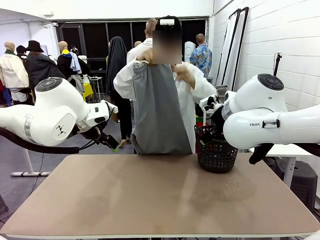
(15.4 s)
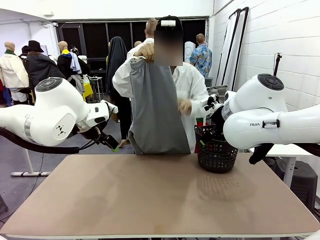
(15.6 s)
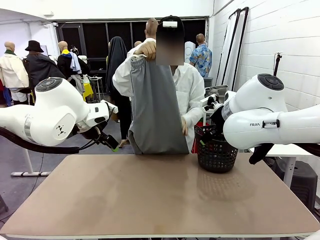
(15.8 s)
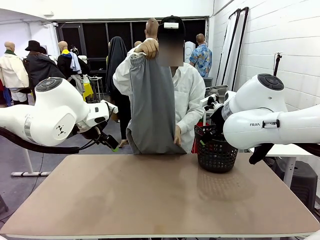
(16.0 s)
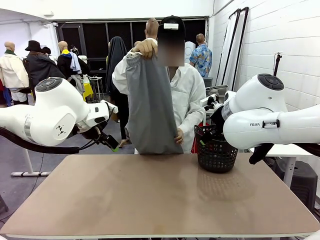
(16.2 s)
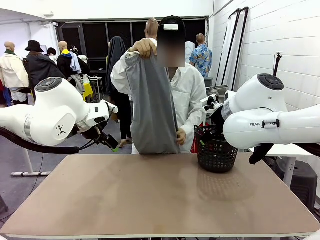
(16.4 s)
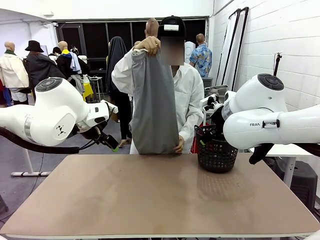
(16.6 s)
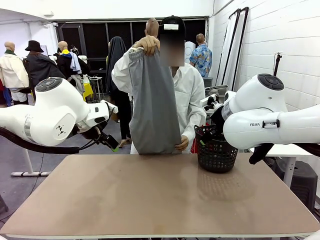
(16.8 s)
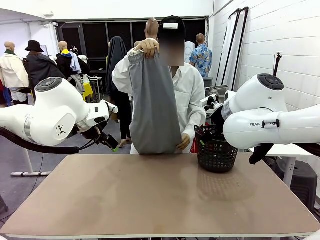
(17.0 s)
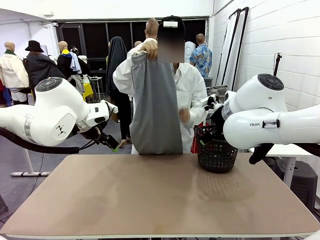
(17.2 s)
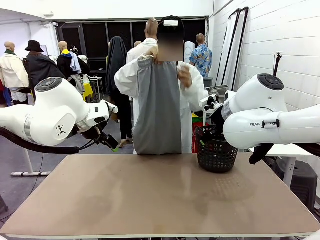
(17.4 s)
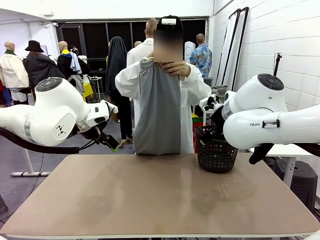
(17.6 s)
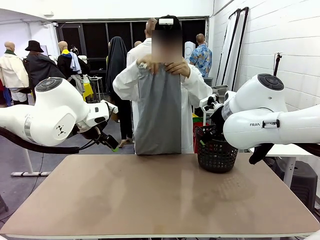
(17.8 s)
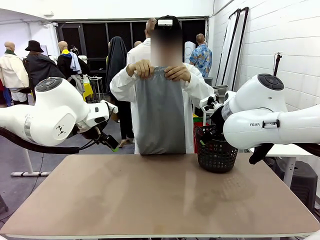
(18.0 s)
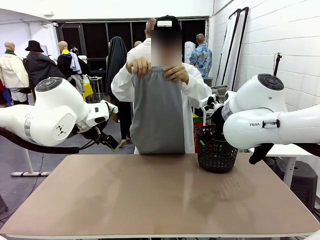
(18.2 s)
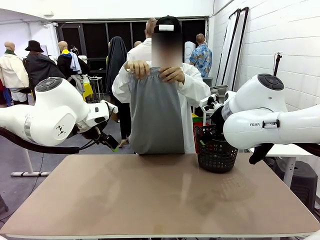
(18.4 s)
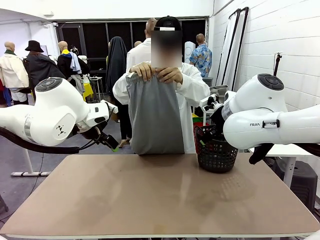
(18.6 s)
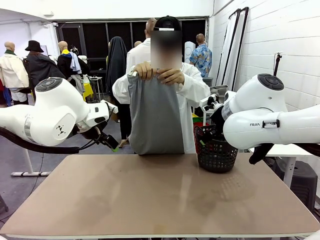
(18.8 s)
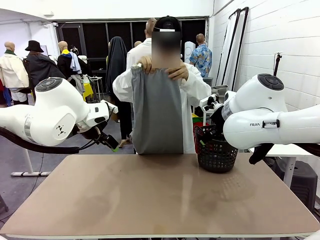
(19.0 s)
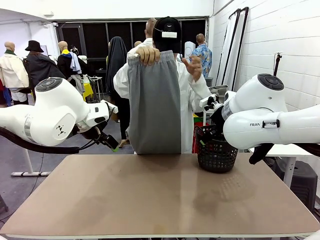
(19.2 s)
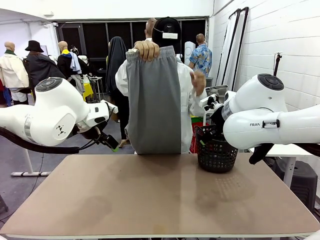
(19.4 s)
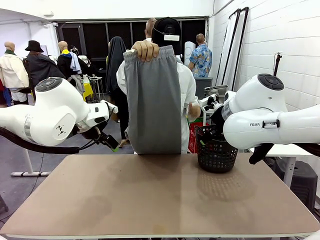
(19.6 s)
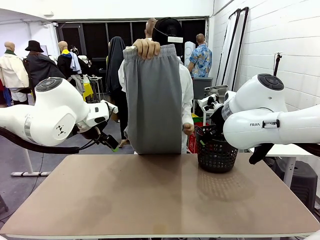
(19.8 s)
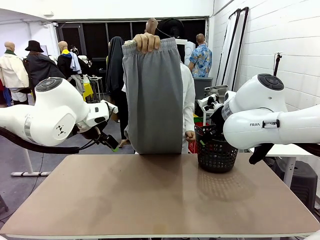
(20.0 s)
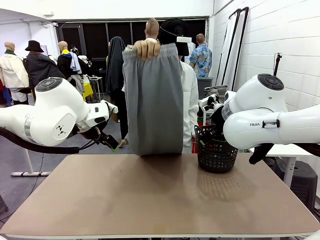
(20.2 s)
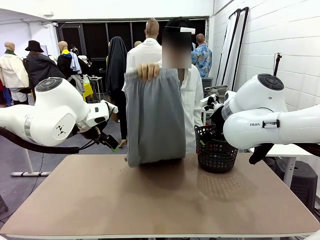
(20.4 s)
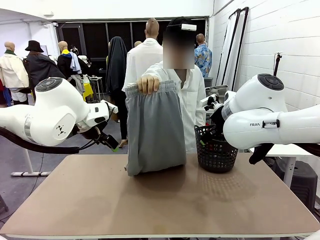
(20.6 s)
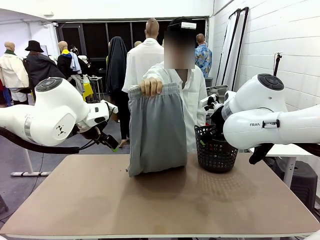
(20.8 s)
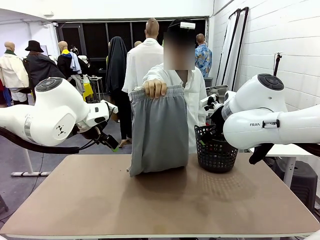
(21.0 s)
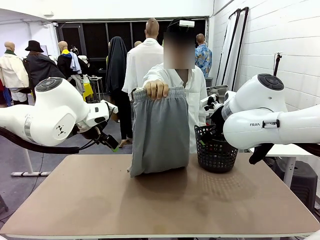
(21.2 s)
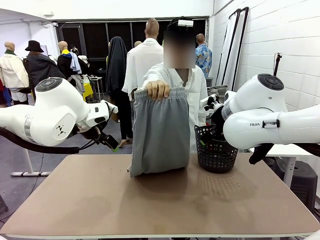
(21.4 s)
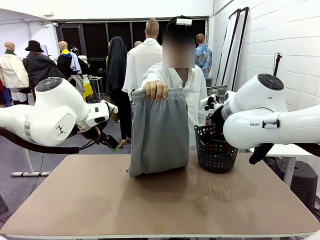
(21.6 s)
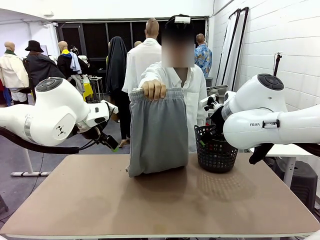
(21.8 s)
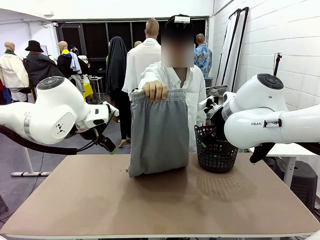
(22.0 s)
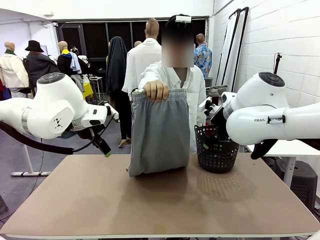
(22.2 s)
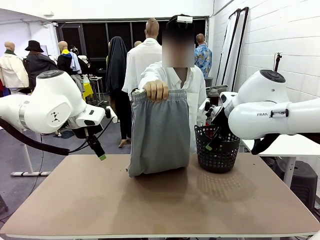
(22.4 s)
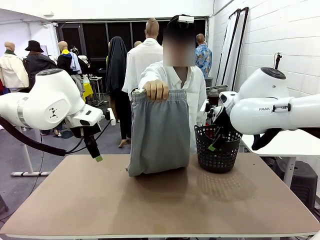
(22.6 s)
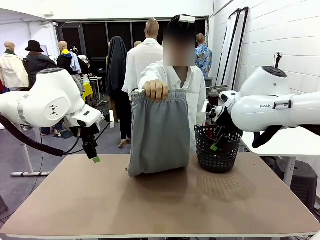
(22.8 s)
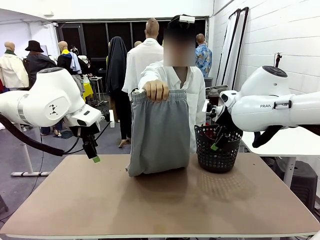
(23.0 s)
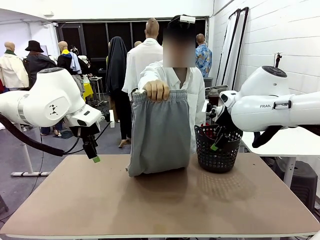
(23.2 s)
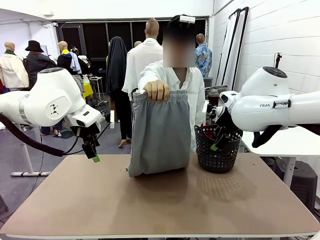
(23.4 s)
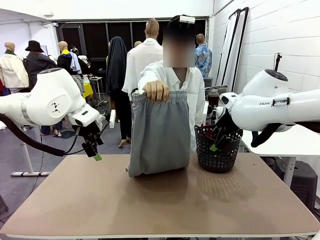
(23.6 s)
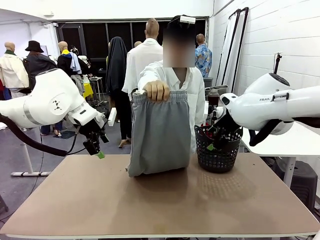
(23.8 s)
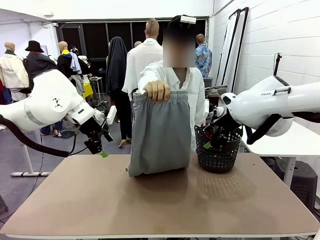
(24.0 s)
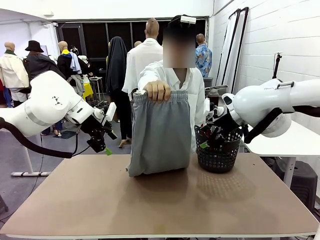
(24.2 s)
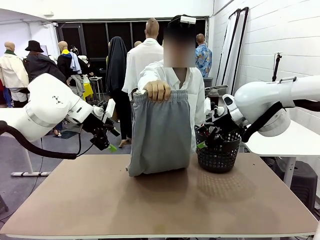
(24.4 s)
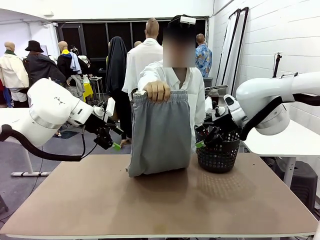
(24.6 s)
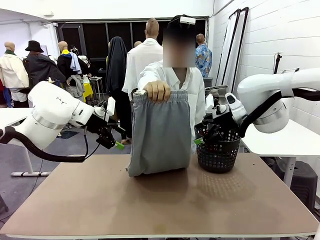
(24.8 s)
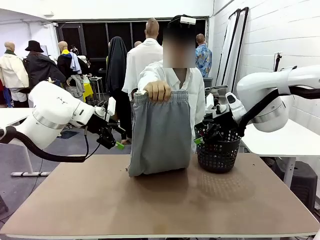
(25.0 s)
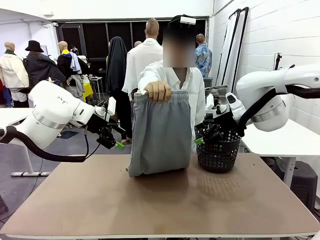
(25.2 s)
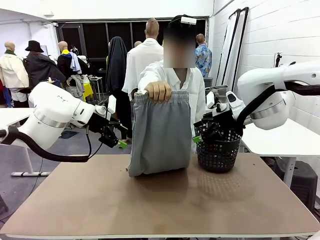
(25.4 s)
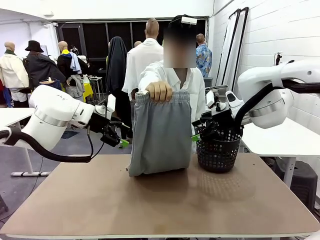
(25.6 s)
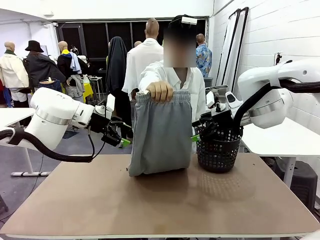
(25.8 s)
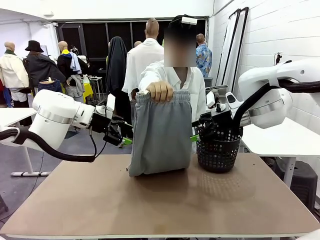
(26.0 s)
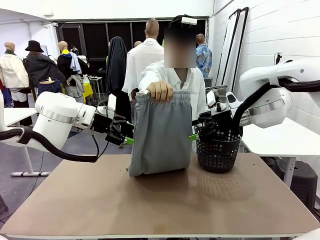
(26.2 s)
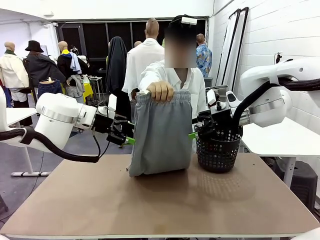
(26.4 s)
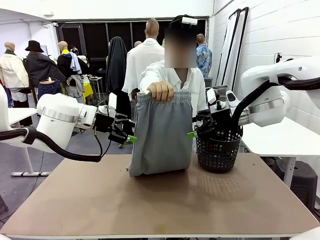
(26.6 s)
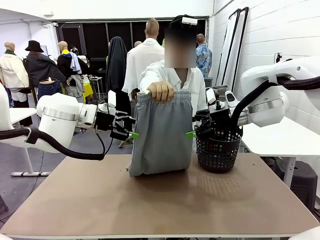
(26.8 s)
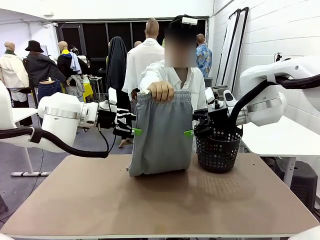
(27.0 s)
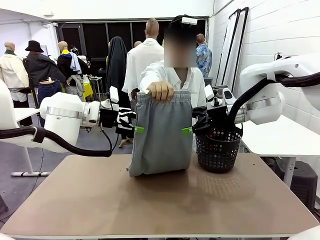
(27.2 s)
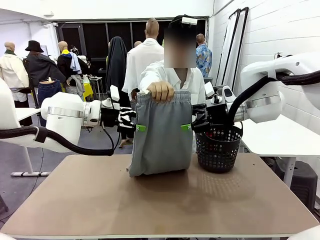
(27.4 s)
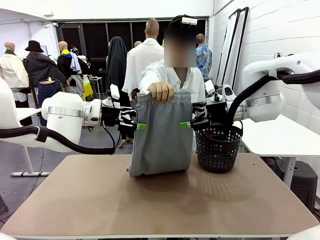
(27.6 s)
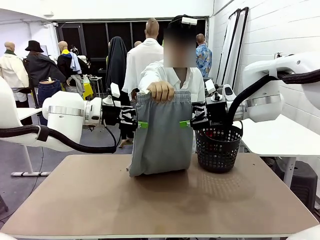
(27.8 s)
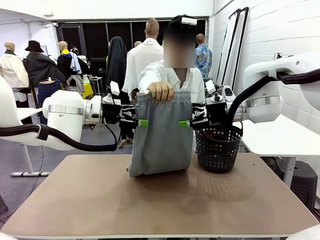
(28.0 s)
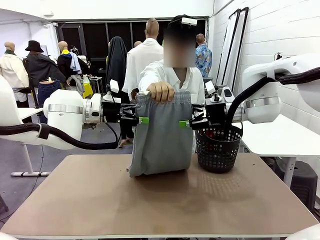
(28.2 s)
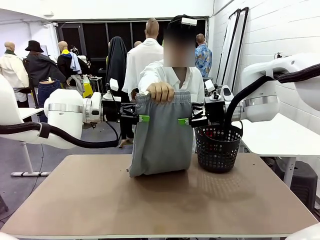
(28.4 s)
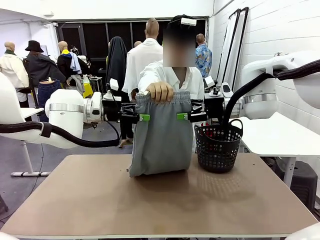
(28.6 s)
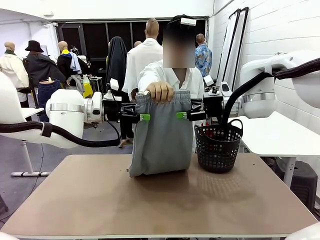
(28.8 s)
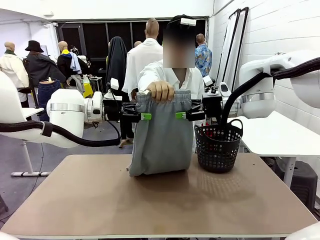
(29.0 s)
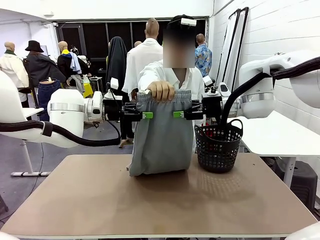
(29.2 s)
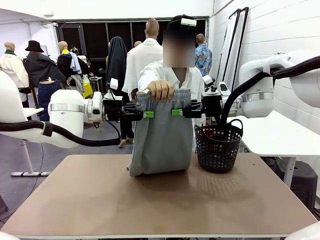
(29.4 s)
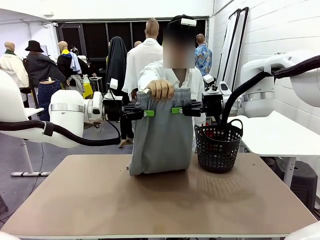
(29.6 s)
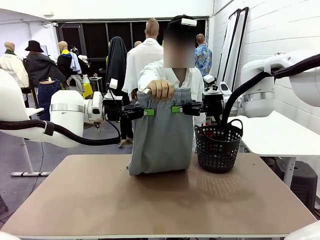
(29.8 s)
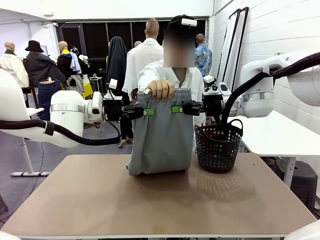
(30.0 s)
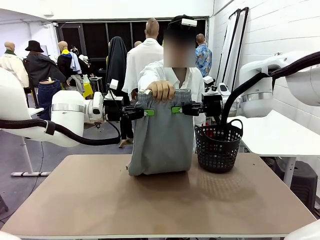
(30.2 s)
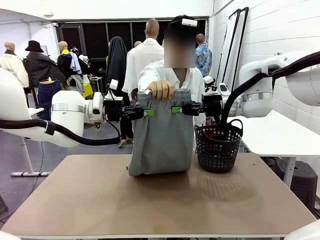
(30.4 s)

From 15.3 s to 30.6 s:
Task: Fold the training pants.
Robot: Grab both ends of the Training pants handed by a person.
